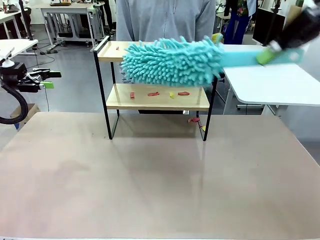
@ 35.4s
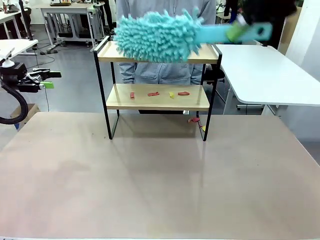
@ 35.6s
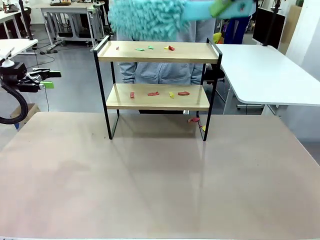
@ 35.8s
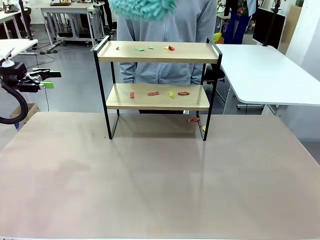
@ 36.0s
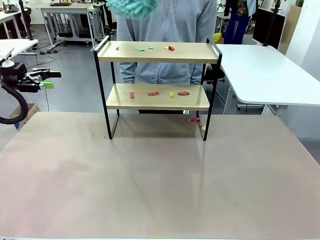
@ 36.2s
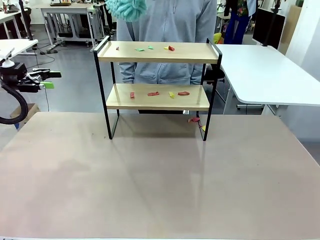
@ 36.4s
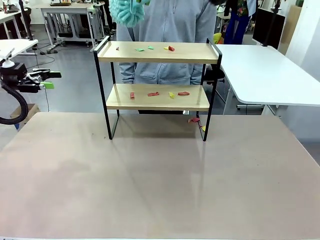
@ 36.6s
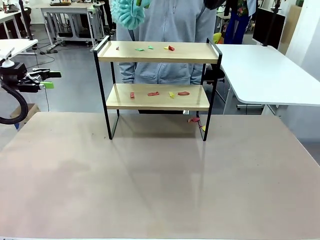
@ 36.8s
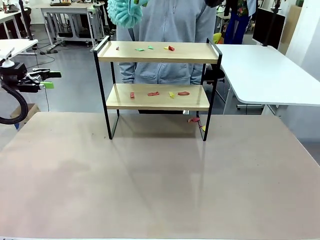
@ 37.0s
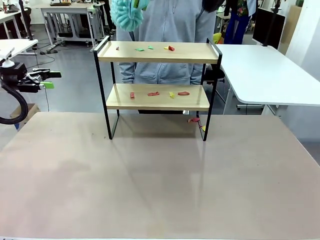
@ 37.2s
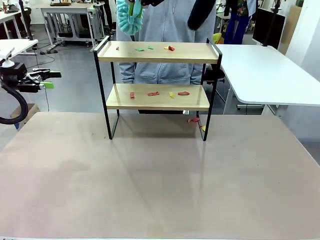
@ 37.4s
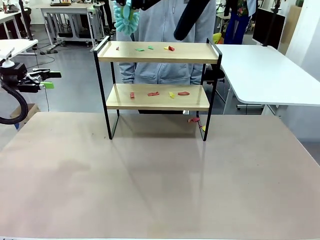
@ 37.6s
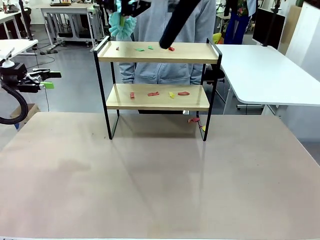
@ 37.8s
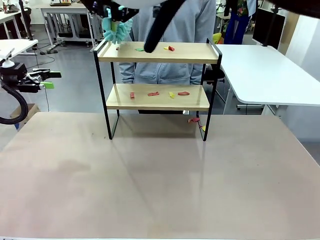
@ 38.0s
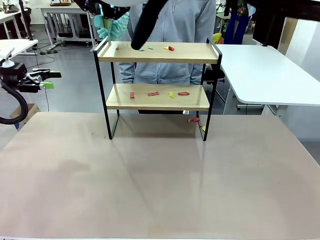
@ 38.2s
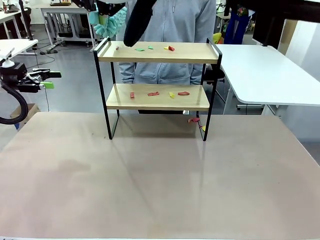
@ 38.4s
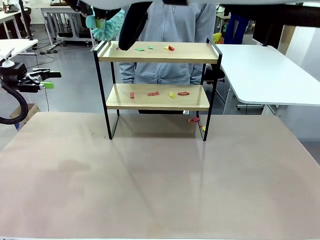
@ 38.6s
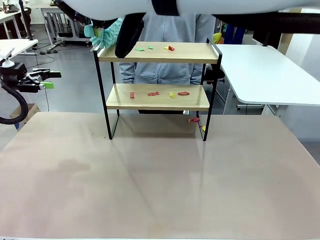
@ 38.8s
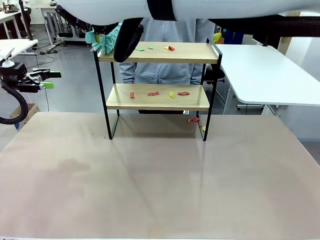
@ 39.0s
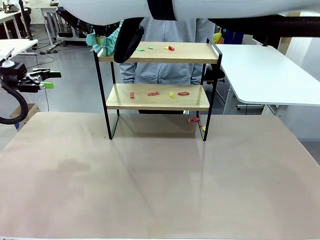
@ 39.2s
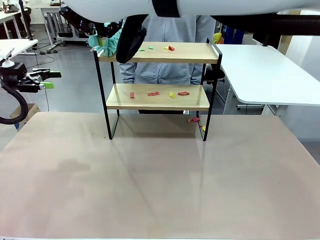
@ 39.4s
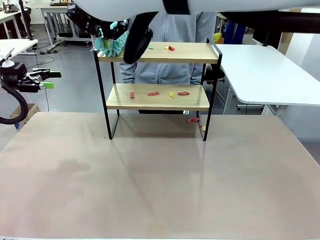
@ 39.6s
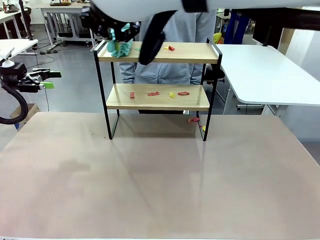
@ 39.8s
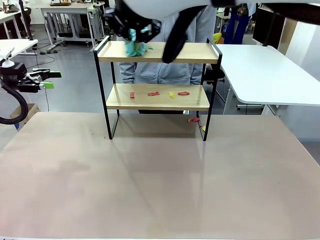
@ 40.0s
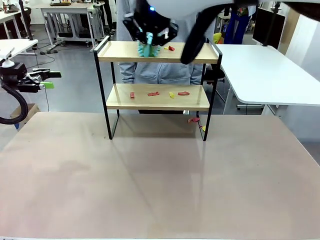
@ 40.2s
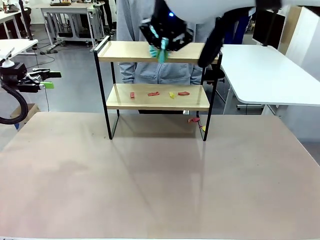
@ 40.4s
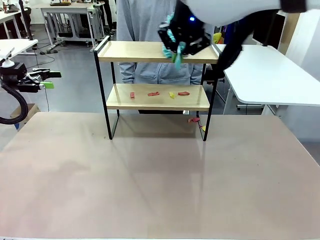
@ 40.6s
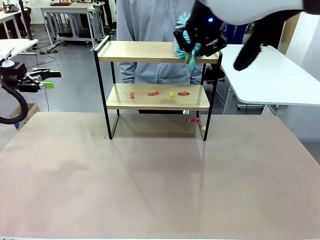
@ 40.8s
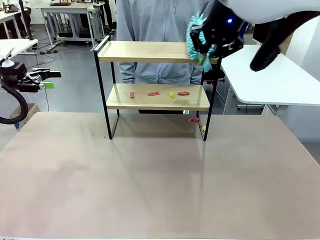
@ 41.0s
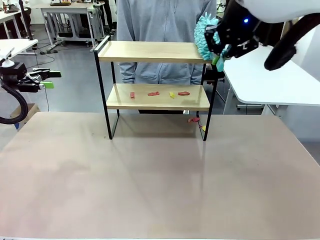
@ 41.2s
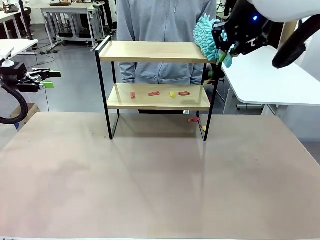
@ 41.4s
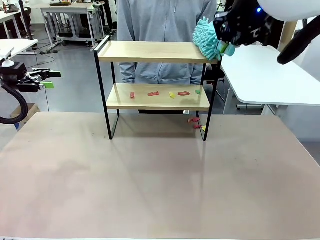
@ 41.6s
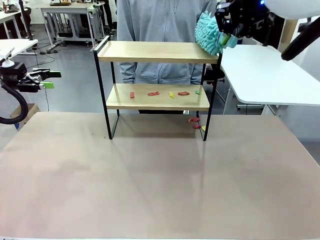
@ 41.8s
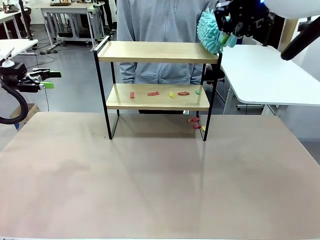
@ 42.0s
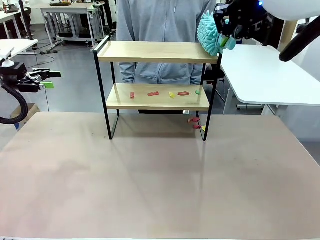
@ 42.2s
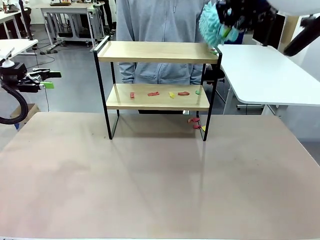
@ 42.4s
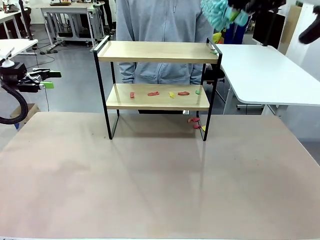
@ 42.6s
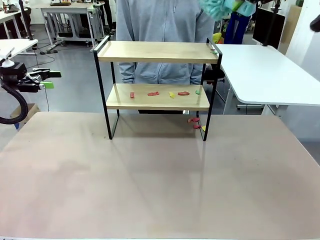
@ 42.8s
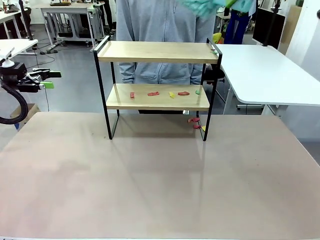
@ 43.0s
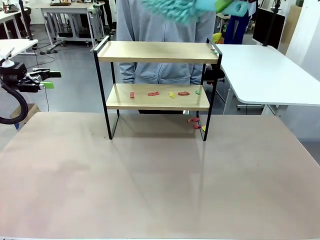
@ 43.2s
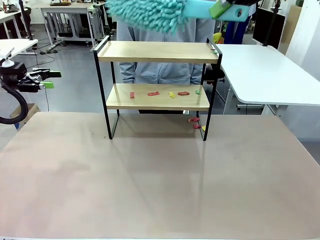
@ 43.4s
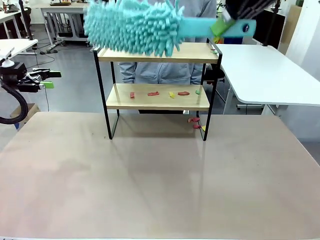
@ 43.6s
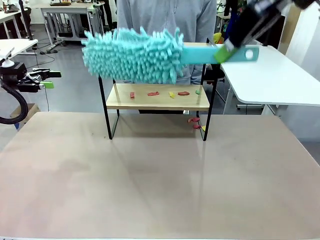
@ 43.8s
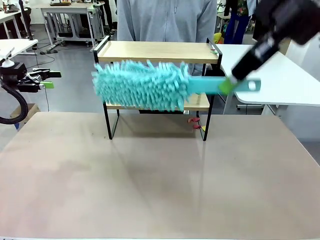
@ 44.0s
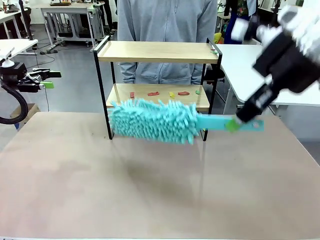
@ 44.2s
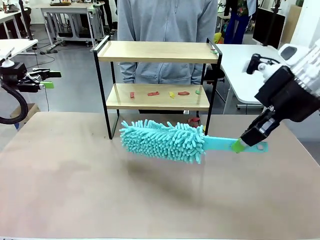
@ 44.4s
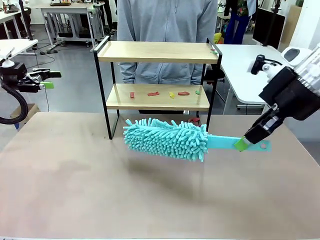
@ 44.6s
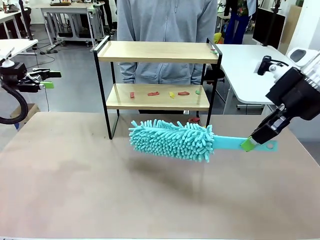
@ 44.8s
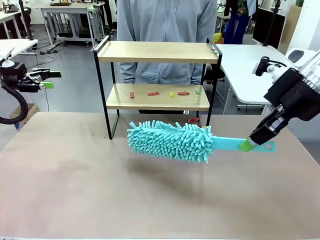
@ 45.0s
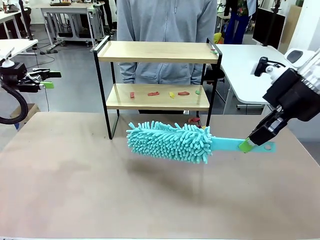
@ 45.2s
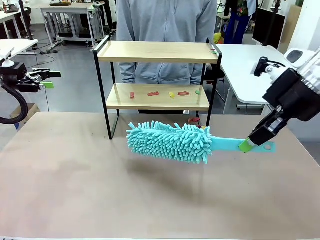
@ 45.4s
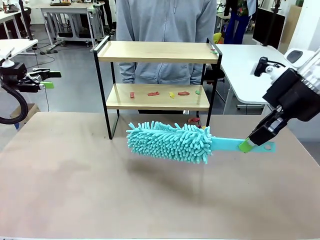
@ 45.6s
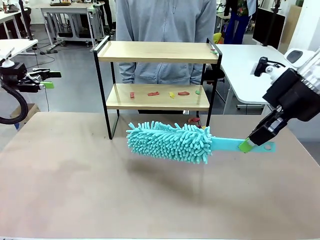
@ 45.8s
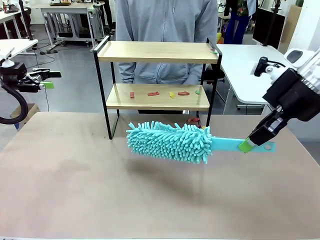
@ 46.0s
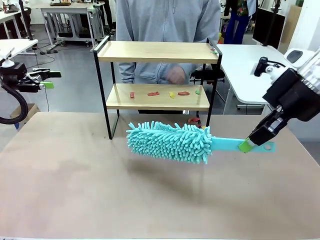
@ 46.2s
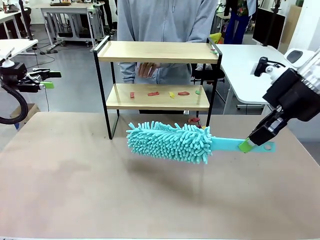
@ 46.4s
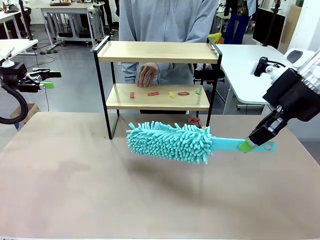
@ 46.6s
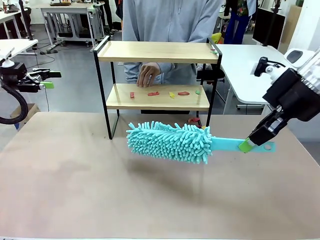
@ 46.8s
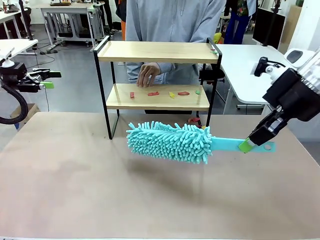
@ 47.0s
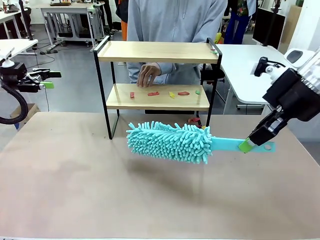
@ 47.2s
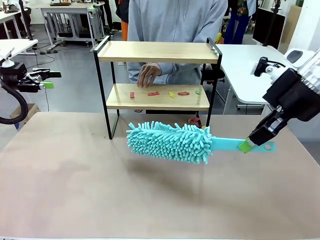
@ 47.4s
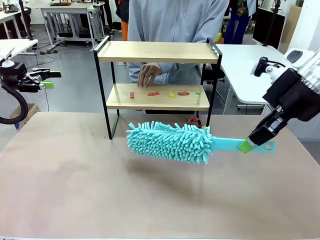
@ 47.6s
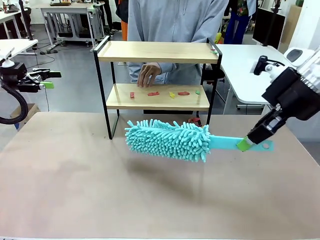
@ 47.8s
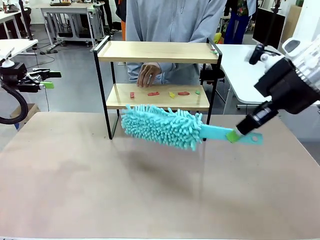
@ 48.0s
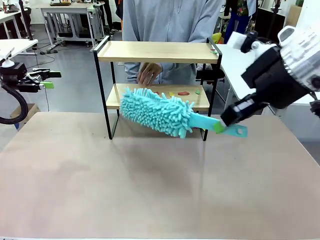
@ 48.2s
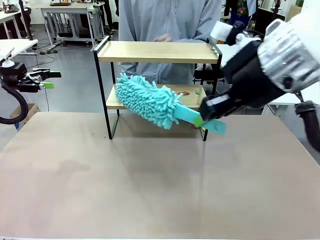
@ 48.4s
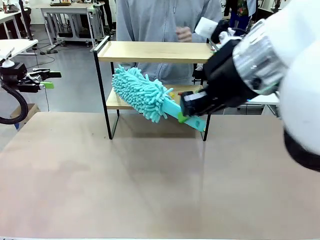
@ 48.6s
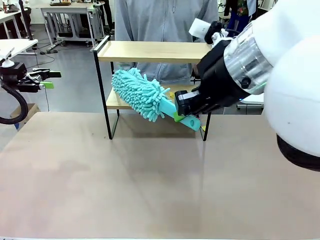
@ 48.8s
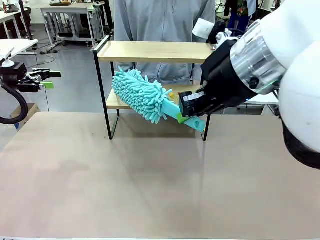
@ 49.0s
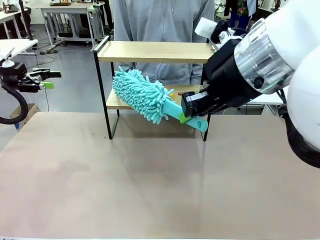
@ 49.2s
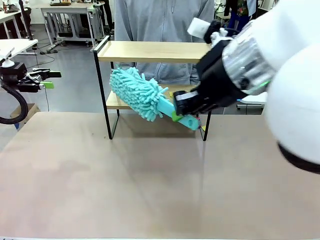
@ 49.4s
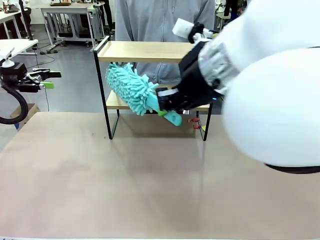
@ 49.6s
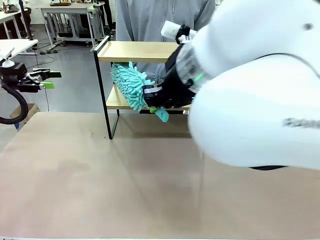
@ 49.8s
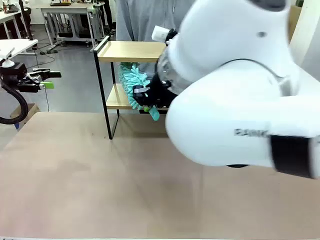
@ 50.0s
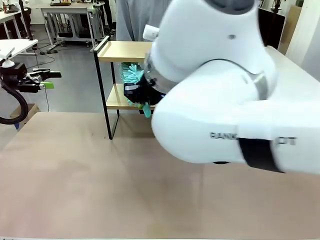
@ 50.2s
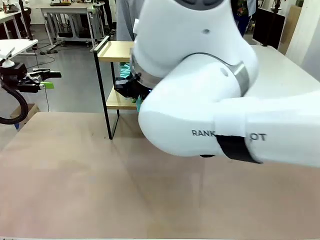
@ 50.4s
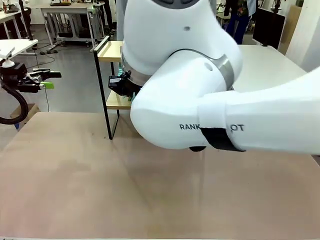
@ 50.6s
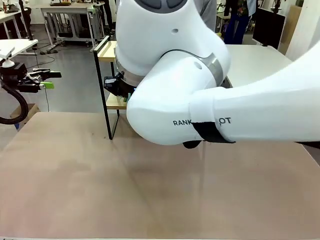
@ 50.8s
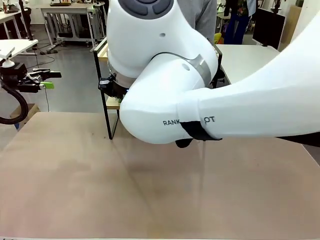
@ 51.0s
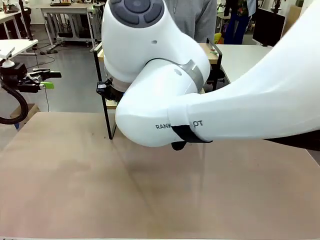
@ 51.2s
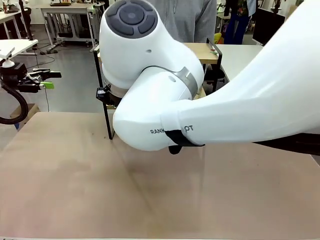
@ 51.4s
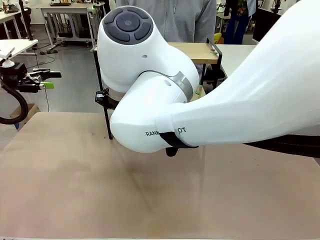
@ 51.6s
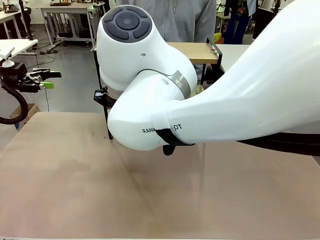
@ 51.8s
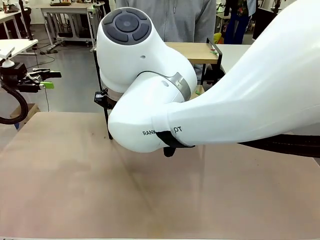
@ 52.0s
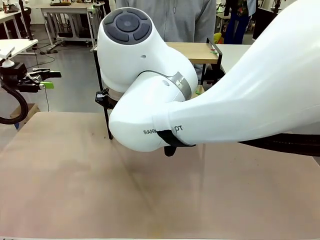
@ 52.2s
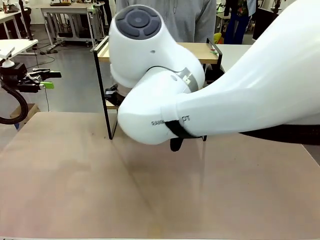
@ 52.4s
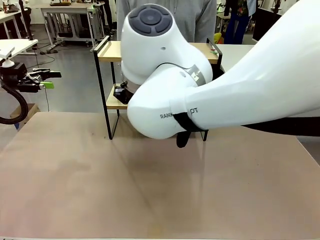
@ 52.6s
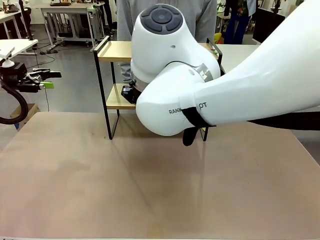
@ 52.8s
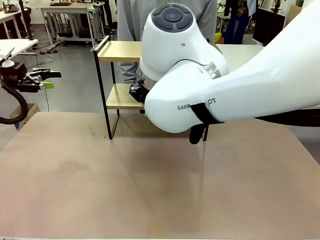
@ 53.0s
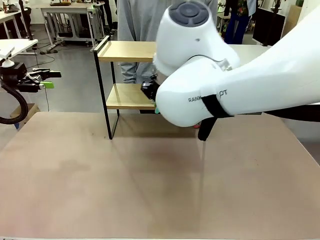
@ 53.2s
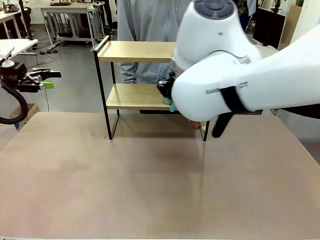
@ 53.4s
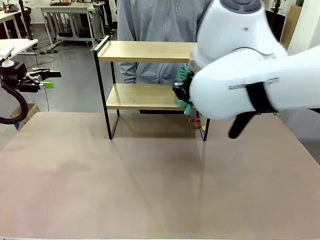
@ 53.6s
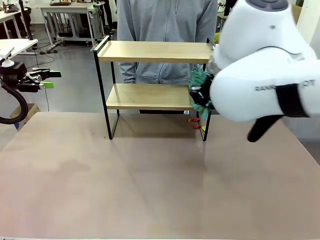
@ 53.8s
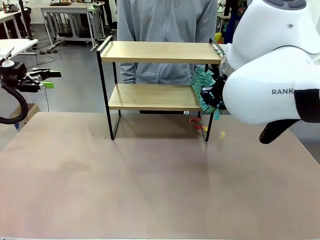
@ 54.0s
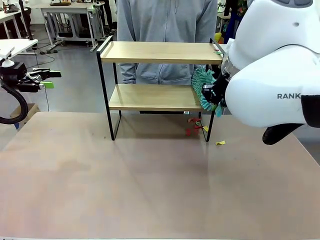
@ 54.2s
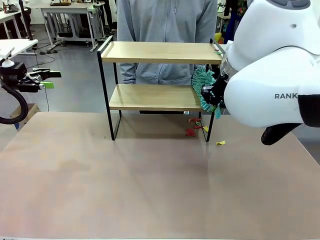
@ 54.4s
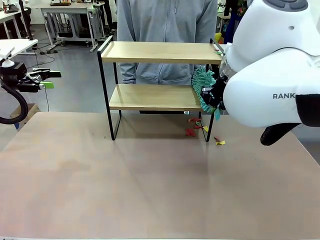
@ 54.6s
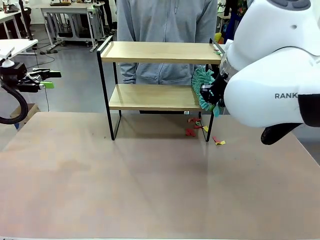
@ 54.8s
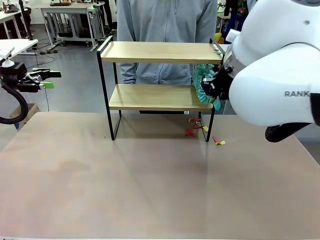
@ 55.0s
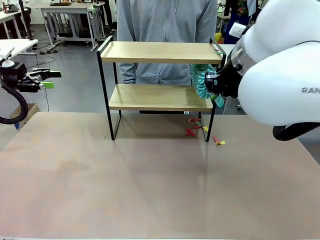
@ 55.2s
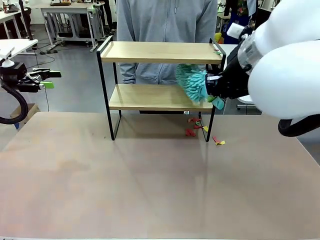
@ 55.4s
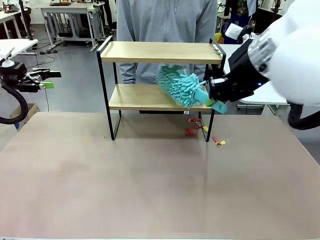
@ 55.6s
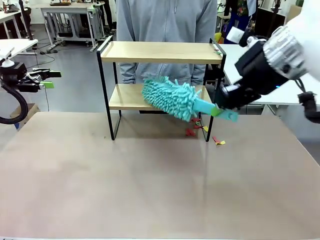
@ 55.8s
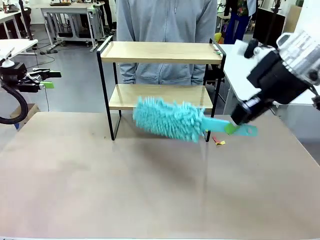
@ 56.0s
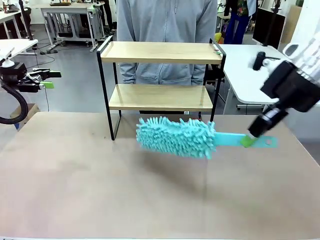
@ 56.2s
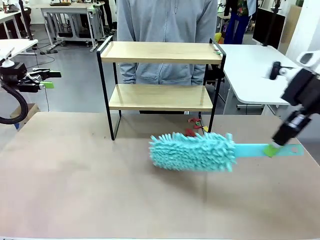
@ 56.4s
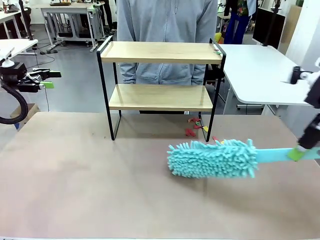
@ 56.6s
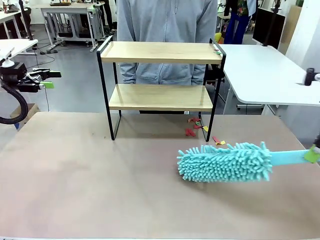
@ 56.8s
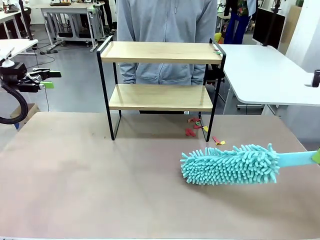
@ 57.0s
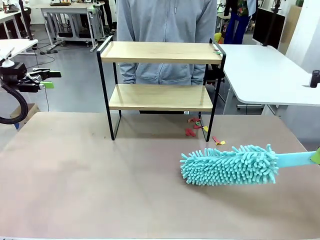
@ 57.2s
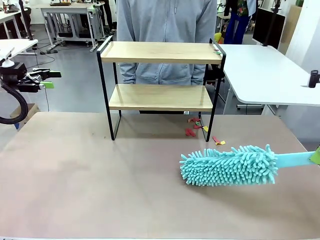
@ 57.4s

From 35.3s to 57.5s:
Task: Clean the shelf.
Robot: Clean the specific section of the Shelf indicated by the human with the Duster.
Person: Point a remaining section of the Shelf.
